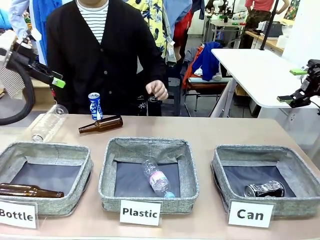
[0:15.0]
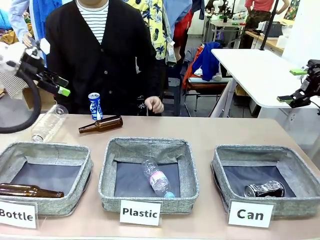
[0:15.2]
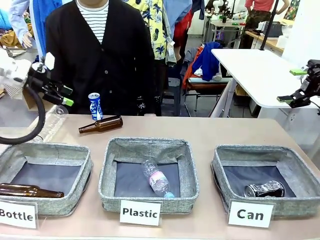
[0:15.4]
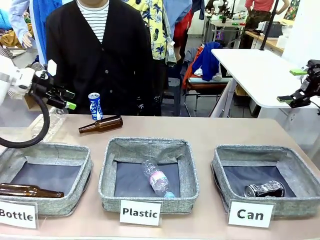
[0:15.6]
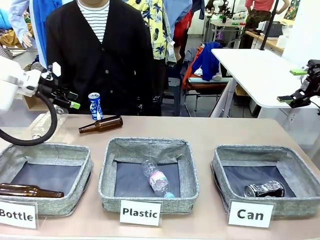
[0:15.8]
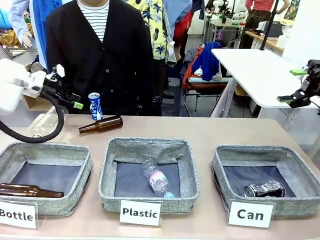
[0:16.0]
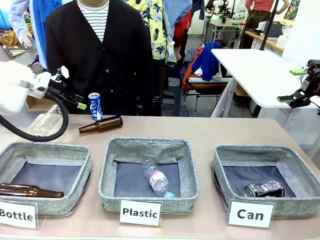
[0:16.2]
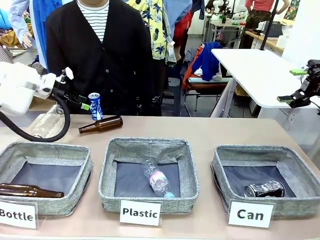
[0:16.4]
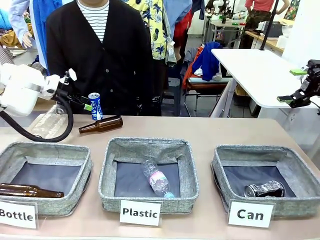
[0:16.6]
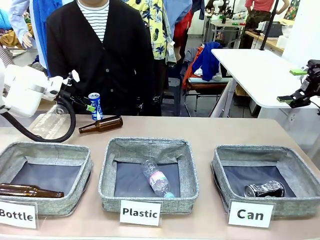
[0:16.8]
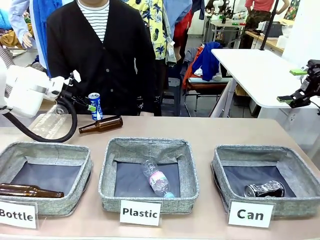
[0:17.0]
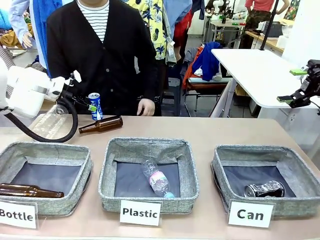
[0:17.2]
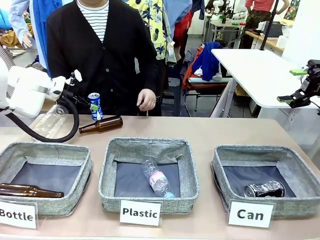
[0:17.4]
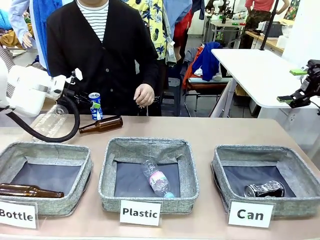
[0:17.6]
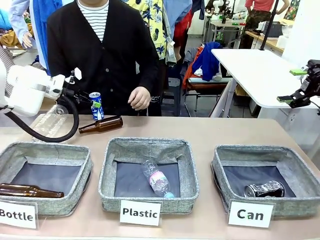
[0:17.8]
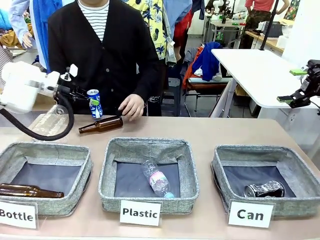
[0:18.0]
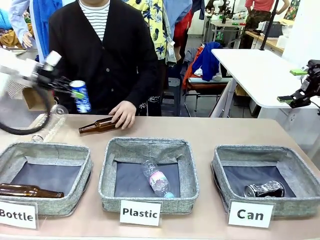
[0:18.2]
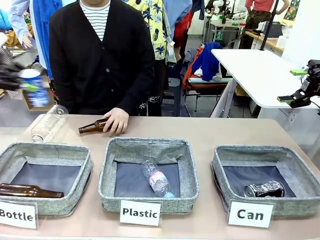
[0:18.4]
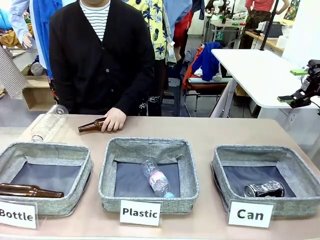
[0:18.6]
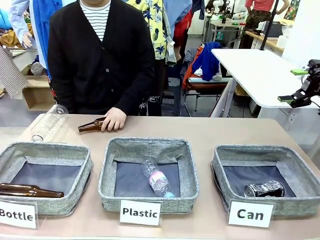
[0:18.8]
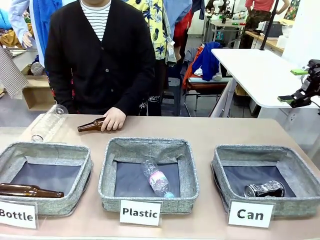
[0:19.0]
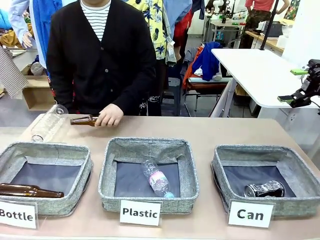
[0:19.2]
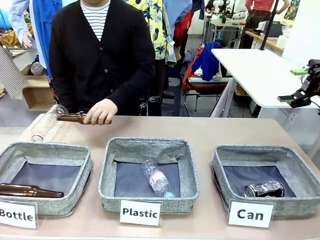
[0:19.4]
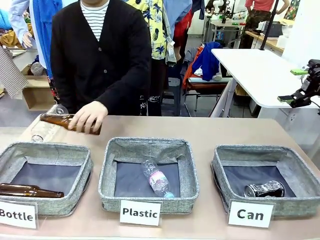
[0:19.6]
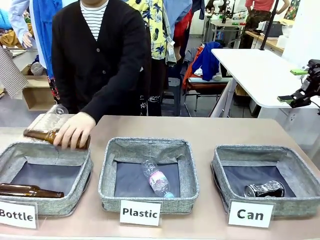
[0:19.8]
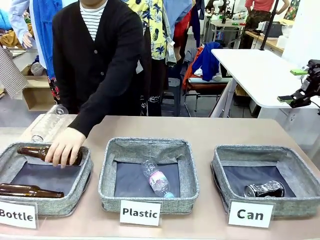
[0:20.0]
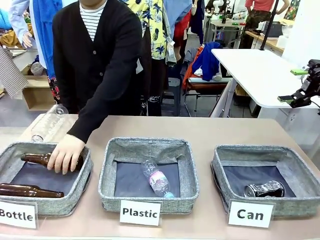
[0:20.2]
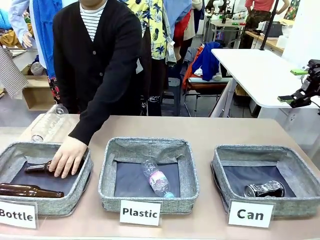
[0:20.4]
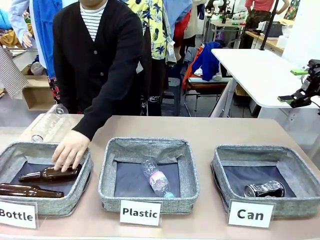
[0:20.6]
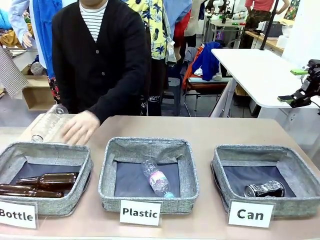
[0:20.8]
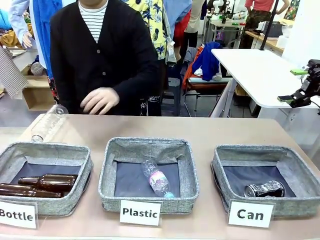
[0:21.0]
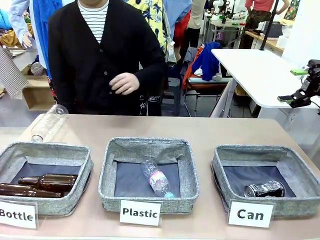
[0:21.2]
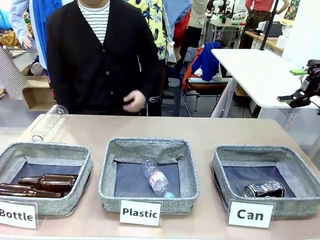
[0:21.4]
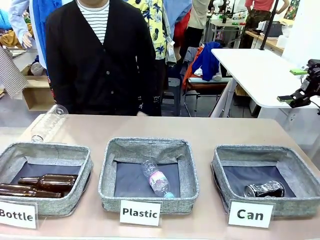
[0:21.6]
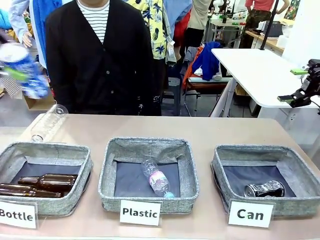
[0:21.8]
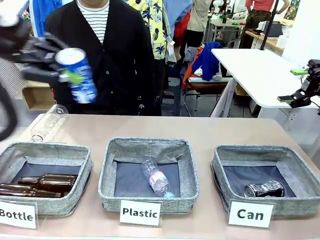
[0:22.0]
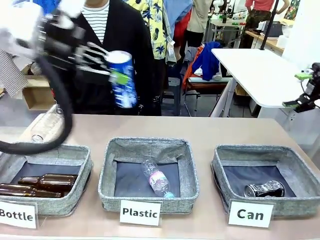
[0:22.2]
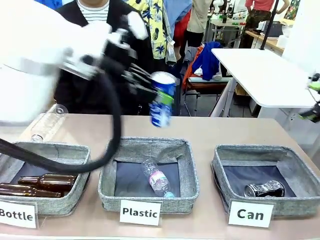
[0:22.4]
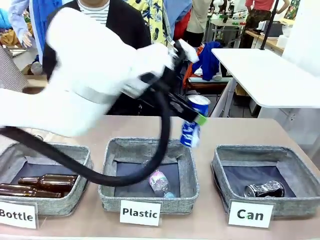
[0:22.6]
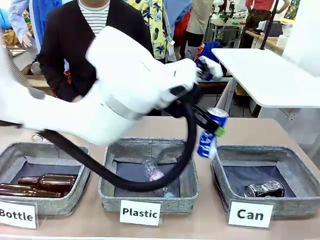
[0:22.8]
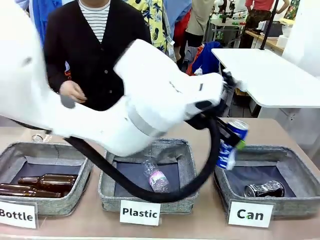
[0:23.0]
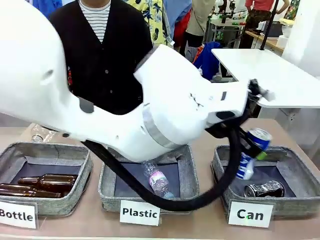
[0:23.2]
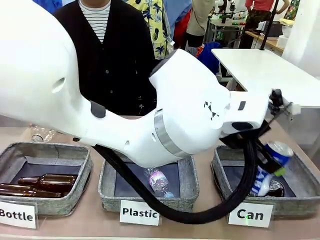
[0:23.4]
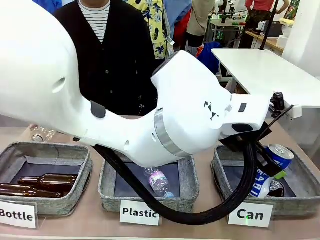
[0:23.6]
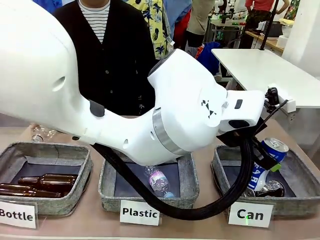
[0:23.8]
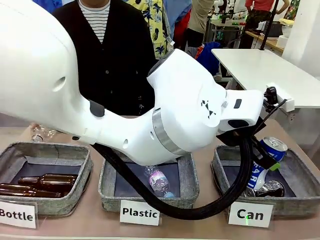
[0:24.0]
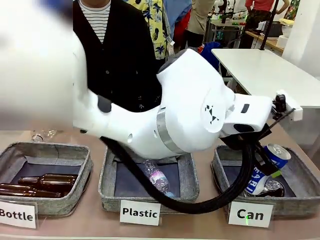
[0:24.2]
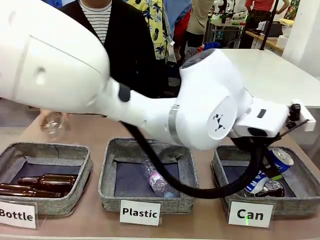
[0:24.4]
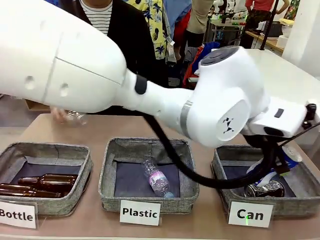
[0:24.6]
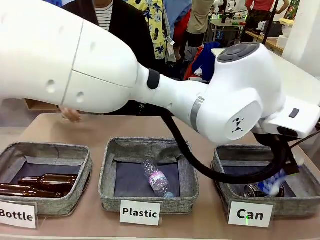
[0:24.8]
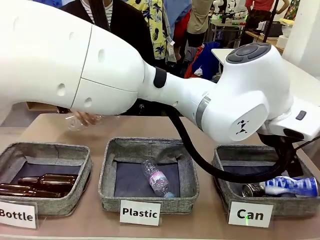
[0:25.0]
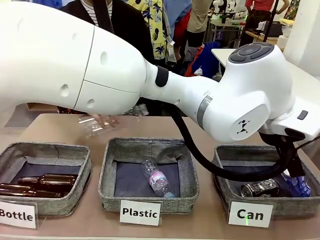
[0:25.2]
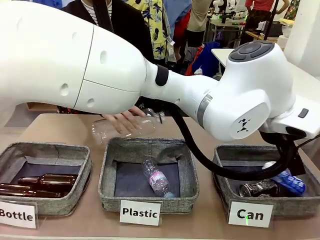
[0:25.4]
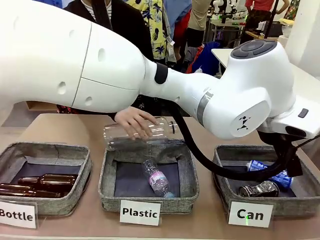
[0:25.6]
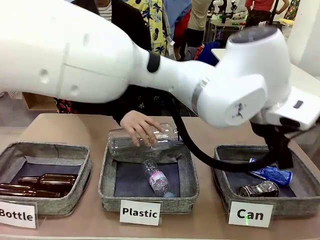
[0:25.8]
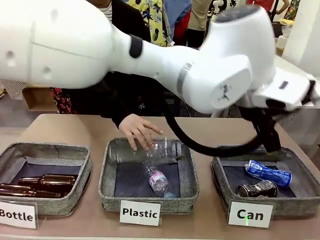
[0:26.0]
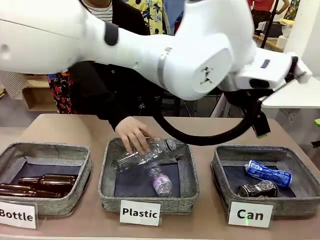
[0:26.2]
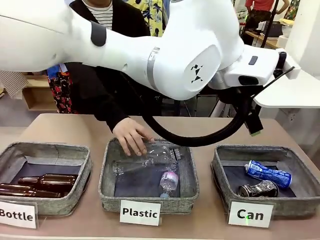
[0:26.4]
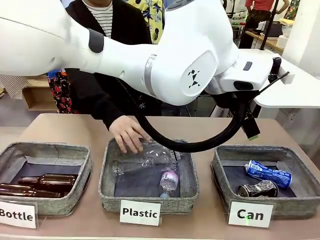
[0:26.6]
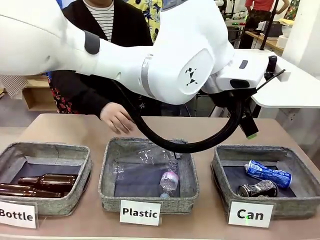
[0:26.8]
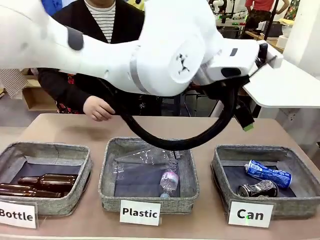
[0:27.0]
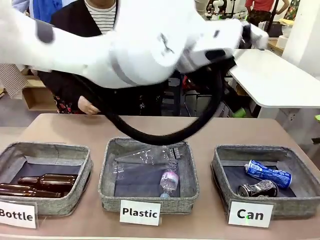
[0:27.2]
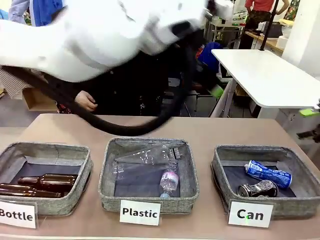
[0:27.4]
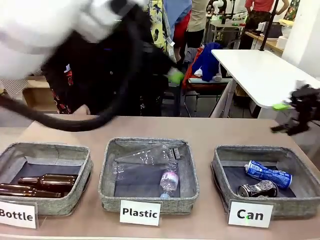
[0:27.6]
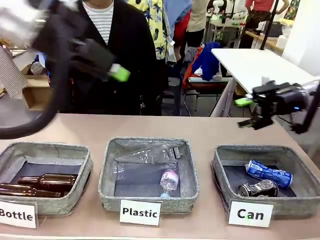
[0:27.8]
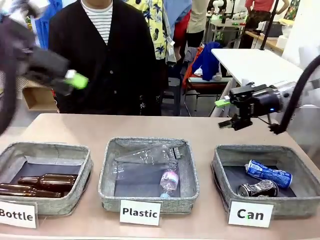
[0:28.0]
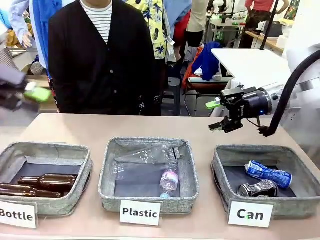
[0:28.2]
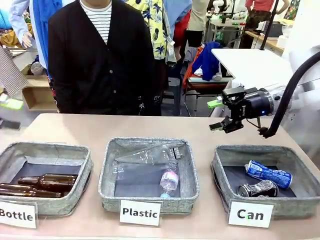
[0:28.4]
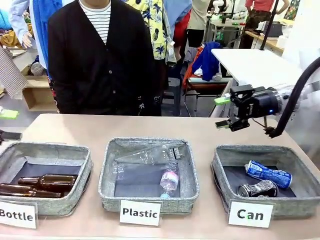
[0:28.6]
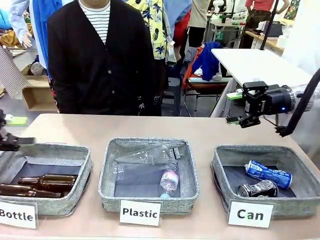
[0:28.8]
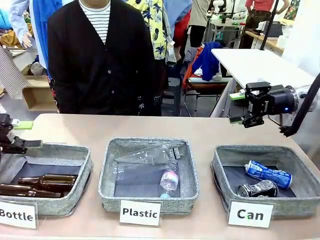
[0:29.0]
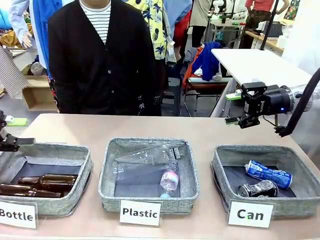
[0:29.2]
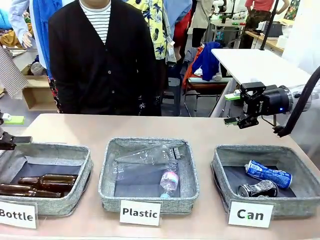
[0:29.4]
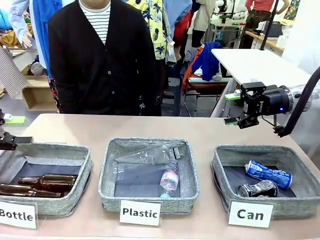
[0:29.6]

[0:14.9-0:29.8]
Task: Sort the can waste into the basket.
Robot: Pick up the can waste from the table and place it in the right Fabric basket.

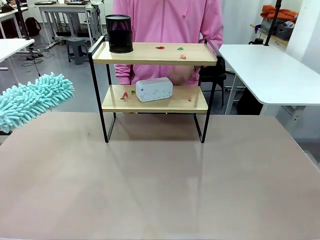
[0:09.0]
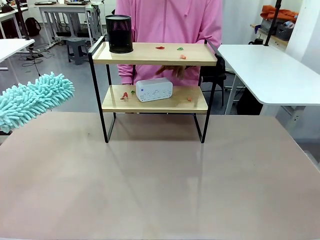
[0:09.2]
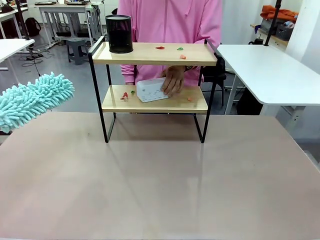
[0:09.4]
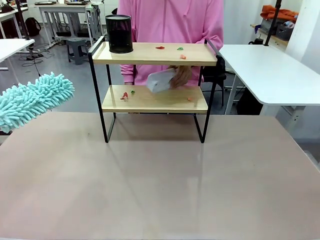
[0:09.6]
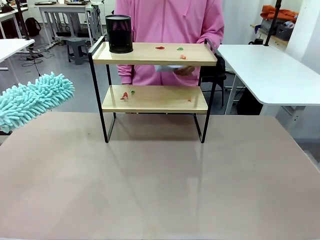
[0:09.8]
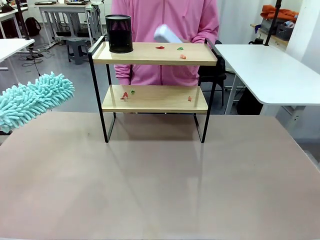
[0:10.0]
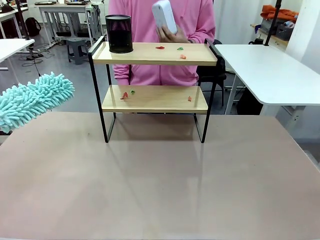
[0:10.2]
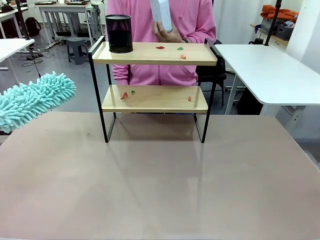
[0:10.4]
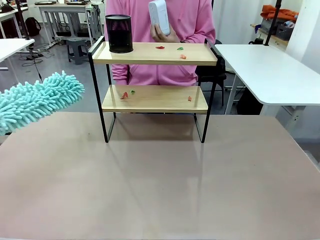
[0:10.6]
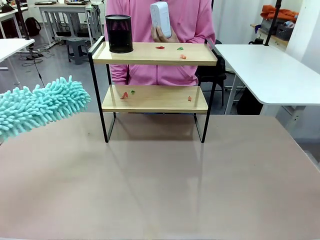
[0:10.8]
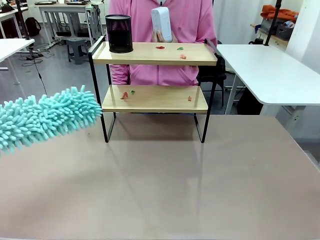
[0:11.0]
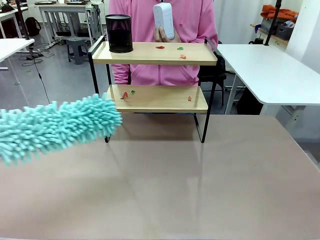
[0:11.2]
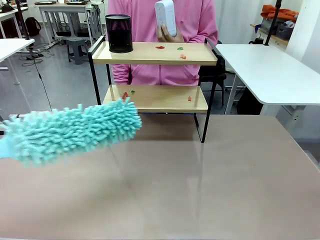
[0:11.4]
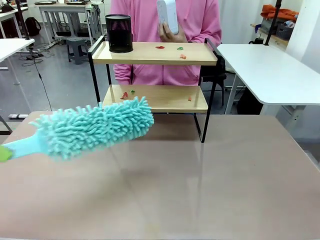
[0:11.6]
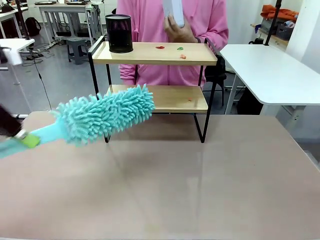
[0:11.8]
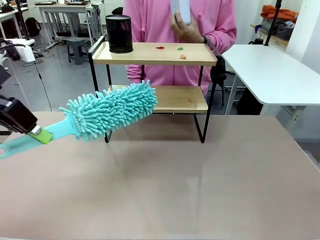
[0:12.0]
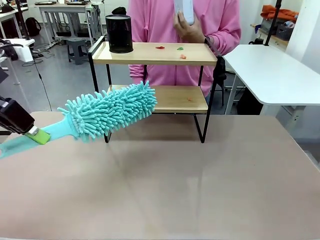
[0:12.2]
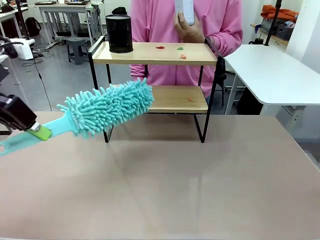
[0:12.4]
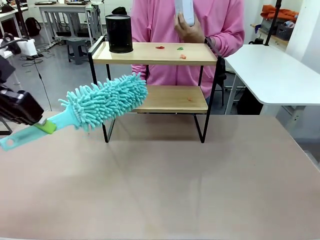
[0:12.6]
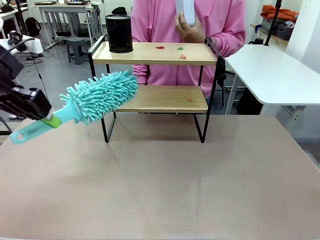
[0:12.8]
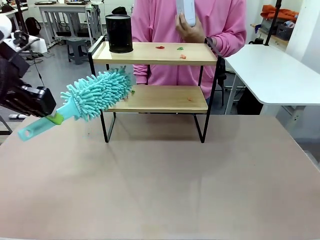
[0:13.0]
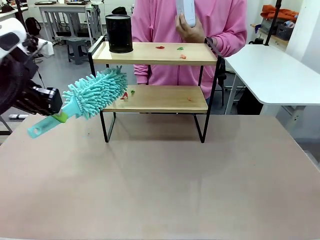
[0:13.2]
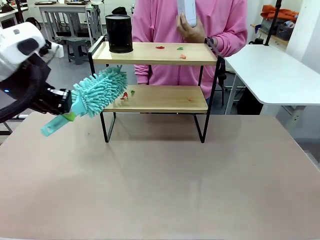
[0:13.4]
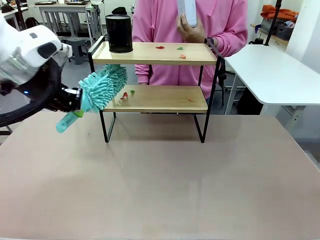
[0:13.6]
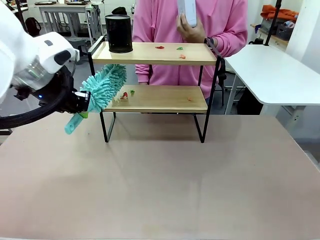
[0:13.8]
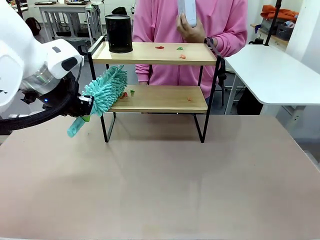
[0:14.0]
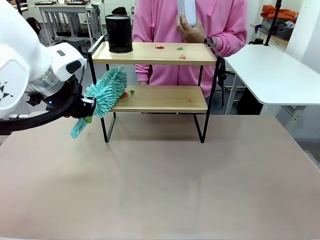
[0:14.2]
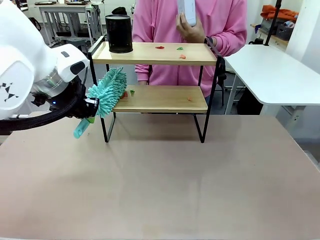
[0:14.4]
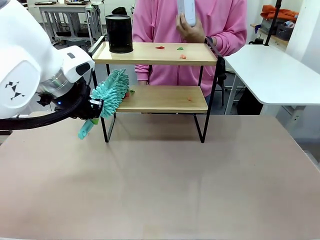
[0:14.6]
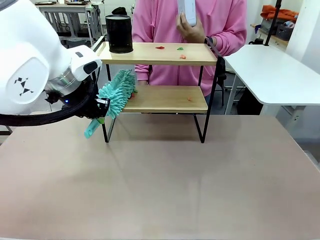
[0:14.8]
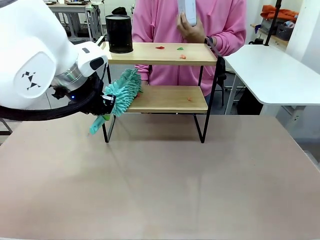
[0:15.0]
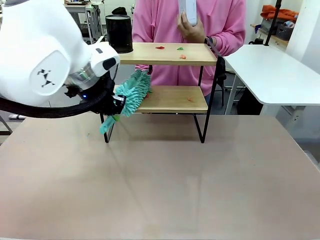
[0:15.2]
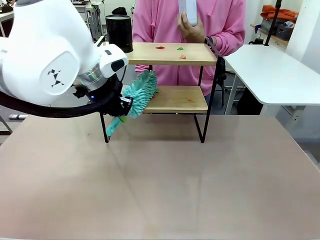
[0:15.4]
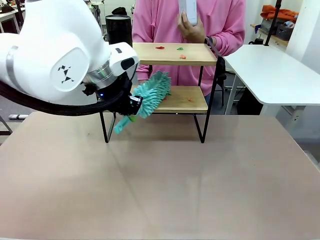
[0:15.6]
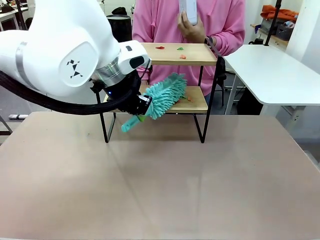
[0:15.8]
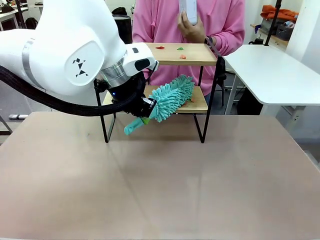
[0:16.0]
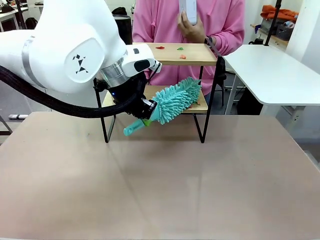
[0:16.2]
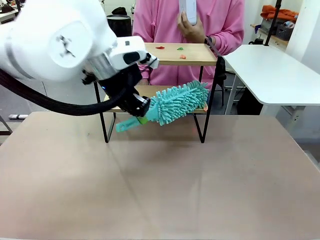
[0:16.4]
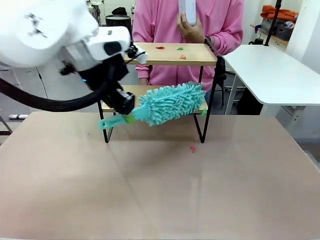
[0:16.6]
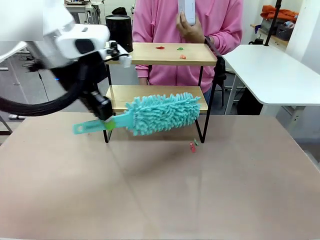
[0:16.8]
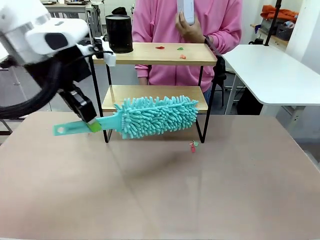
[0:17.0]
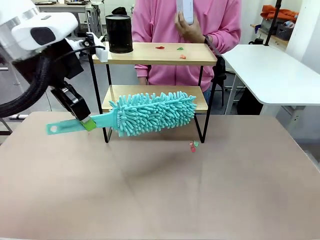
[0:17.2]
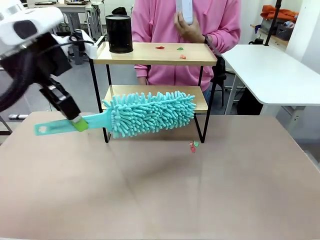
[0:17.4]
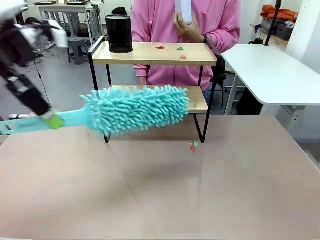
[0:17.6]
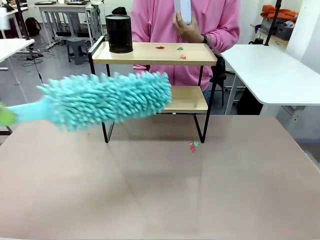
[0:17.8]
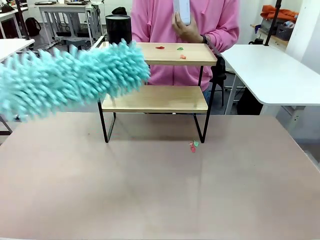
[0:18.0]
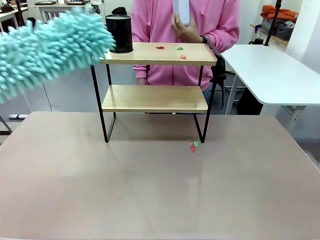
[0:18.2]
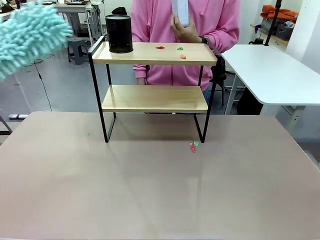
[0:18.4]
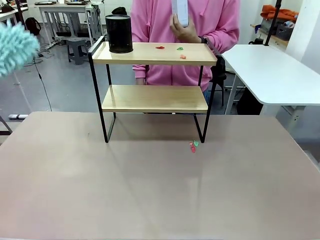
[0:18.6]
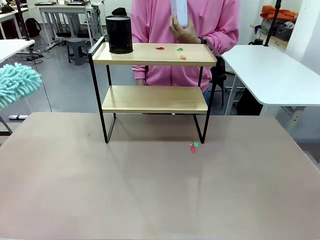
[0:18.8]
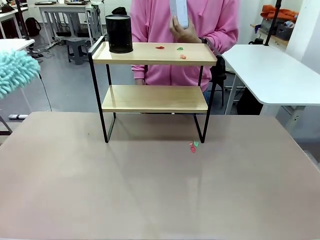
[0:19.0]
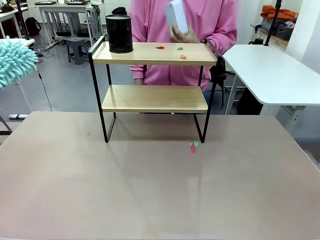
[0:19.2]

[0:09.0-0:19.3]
Task: Clean the shelf.
Robot: Clean the specific tier of the Shelf with the Duster once objects are removed.
Person: Lift the objects on a randomly selected tier of the Shelf. Once the robot finishes cleaning, lift the objects on the remaining tiers of the Shelf.
